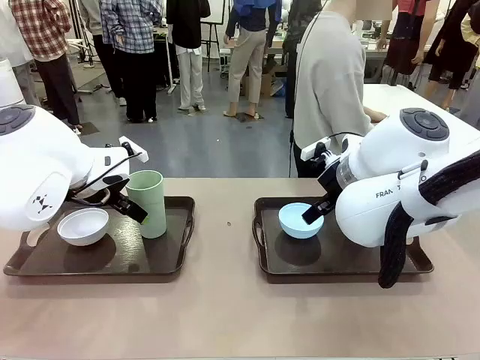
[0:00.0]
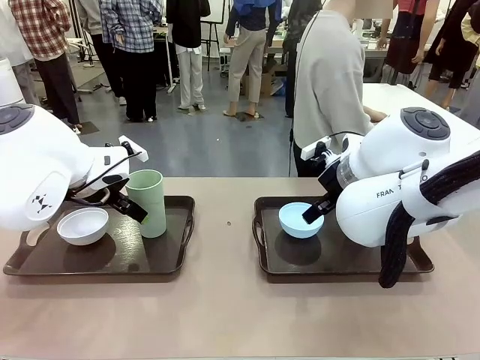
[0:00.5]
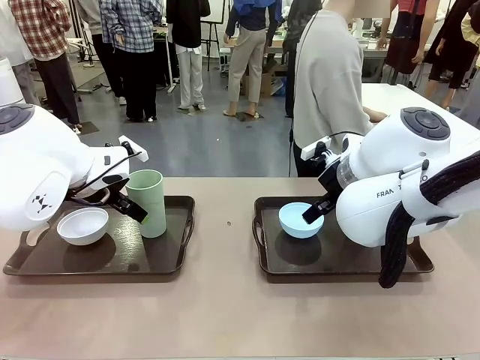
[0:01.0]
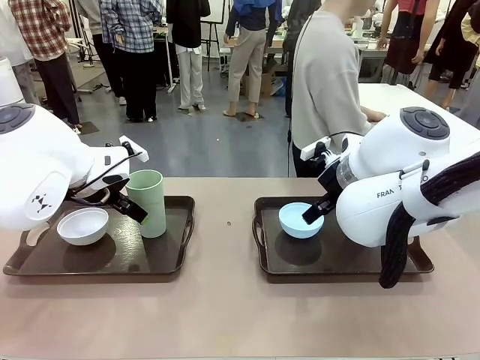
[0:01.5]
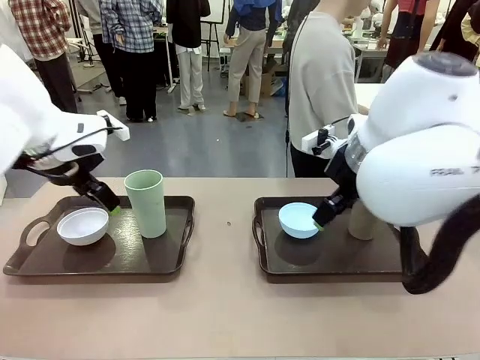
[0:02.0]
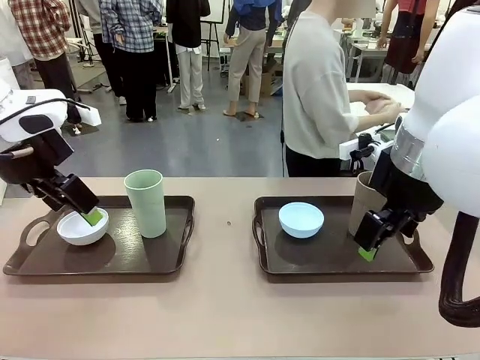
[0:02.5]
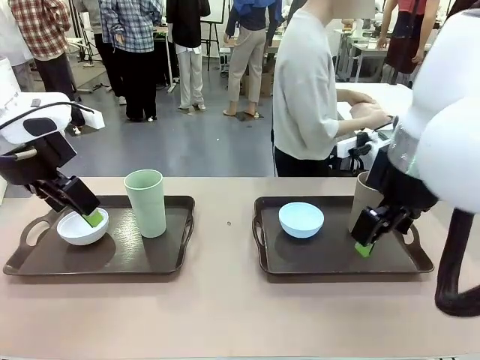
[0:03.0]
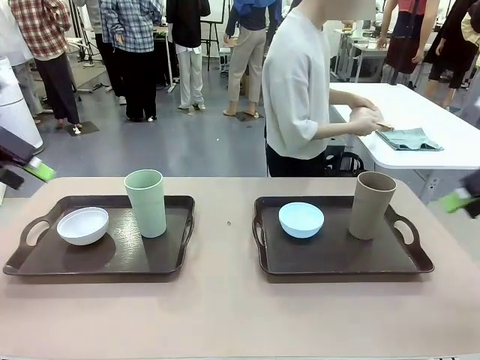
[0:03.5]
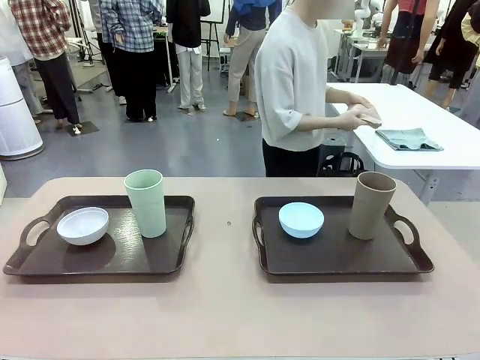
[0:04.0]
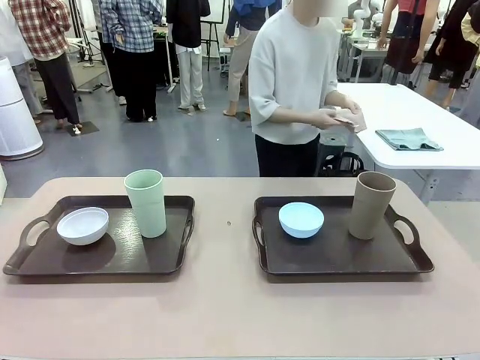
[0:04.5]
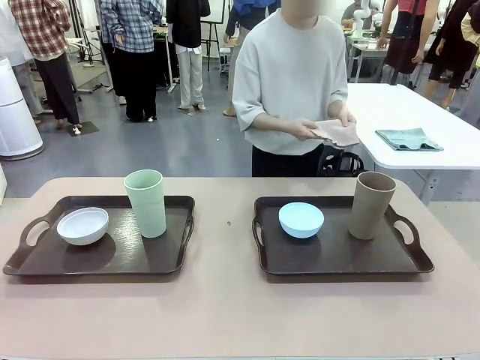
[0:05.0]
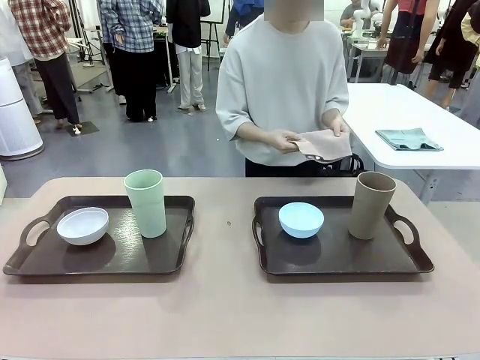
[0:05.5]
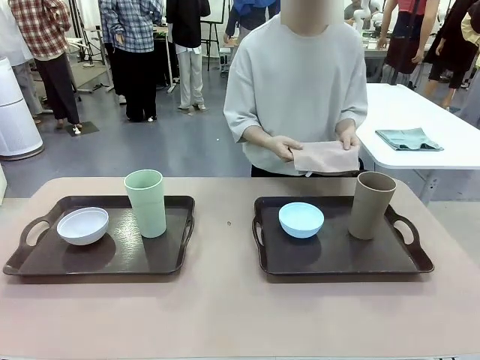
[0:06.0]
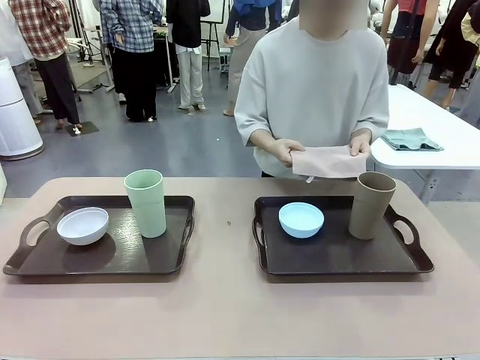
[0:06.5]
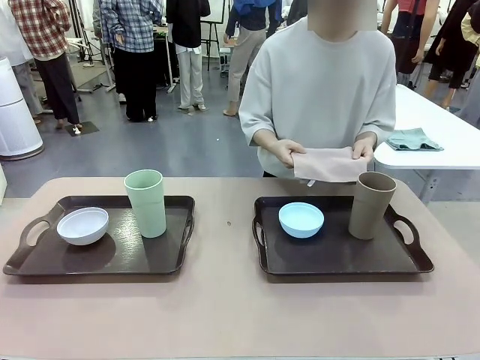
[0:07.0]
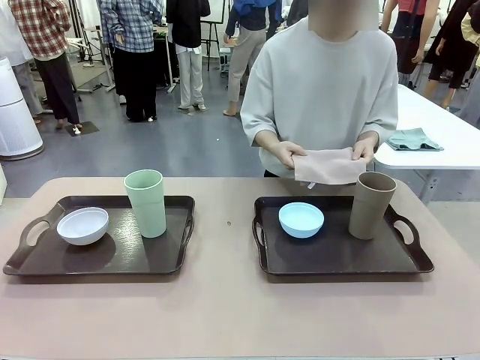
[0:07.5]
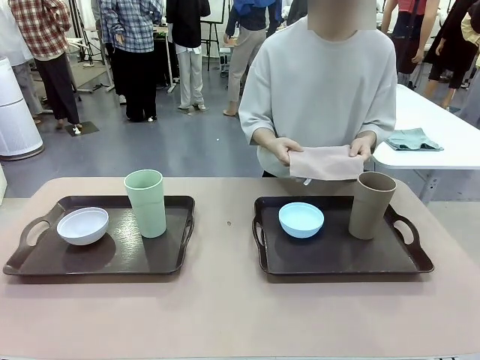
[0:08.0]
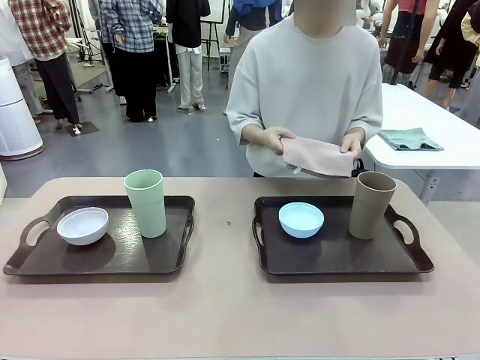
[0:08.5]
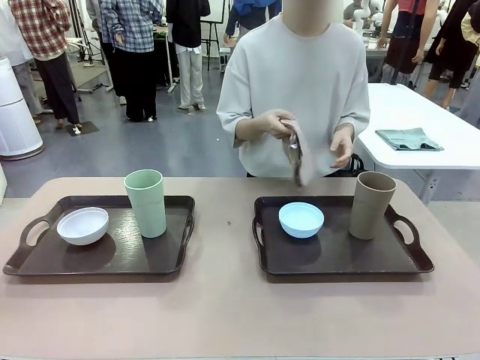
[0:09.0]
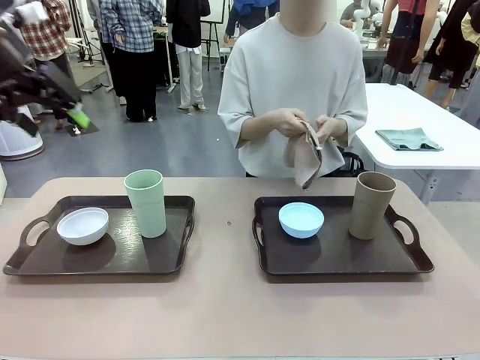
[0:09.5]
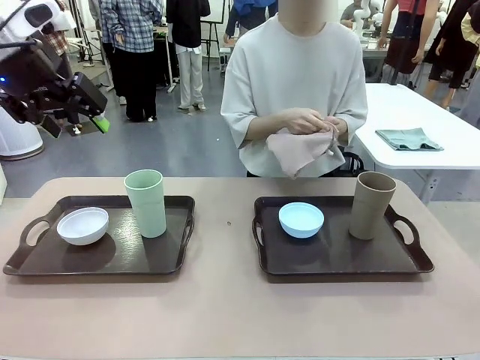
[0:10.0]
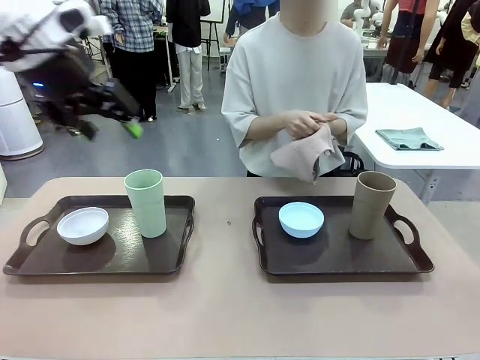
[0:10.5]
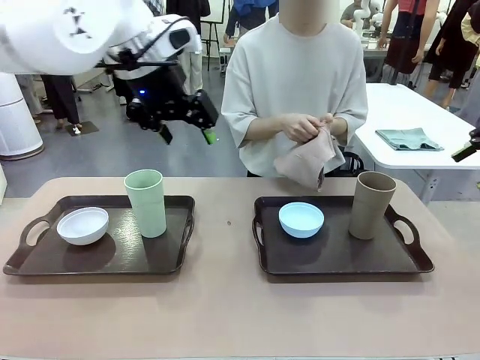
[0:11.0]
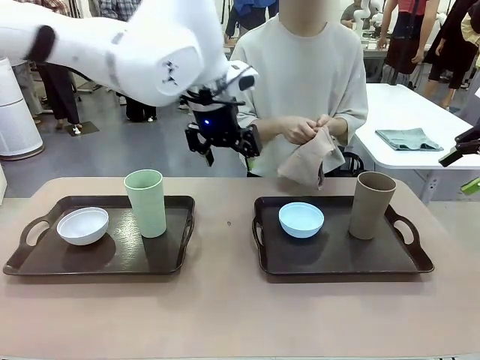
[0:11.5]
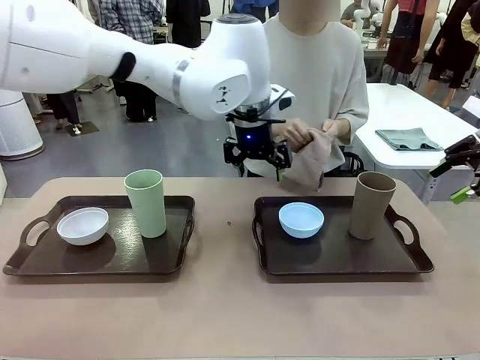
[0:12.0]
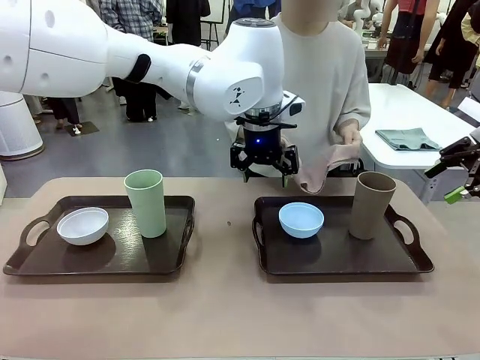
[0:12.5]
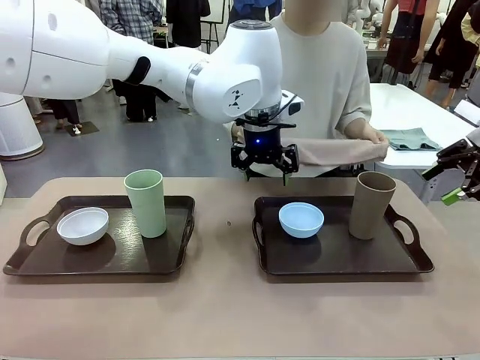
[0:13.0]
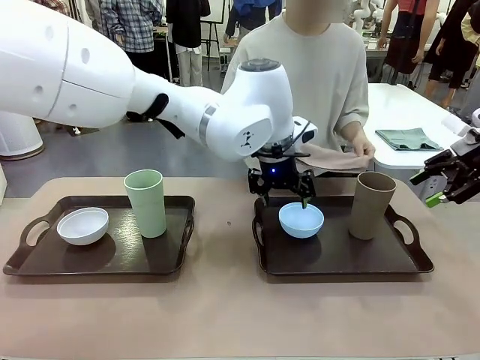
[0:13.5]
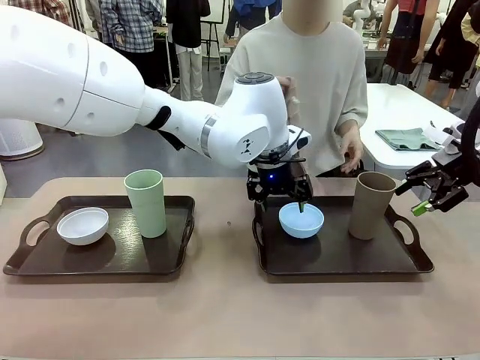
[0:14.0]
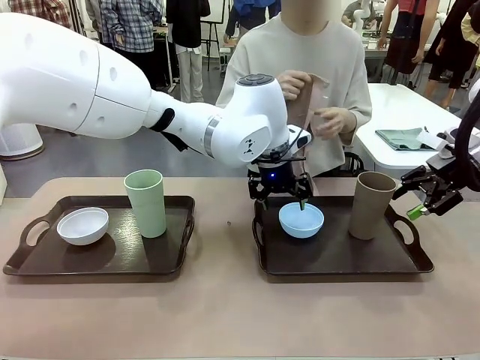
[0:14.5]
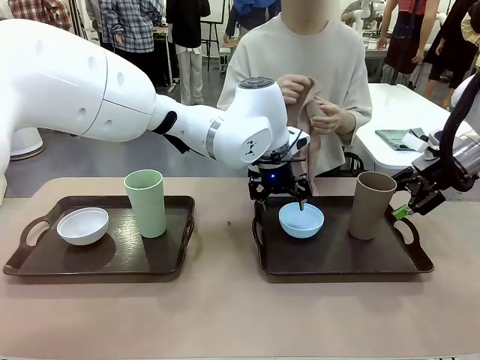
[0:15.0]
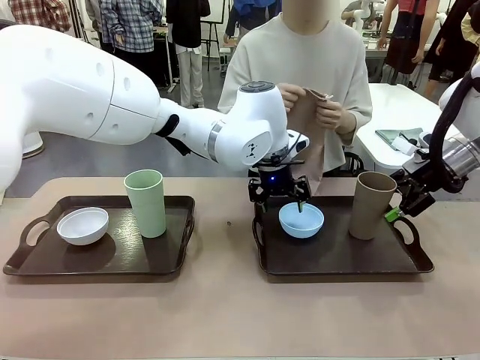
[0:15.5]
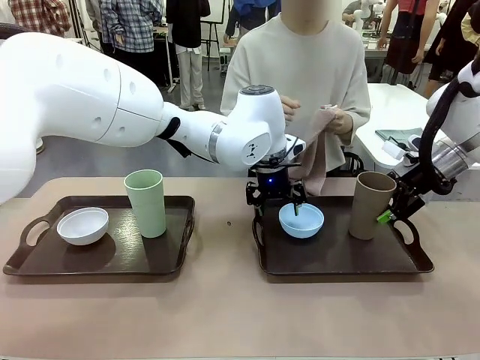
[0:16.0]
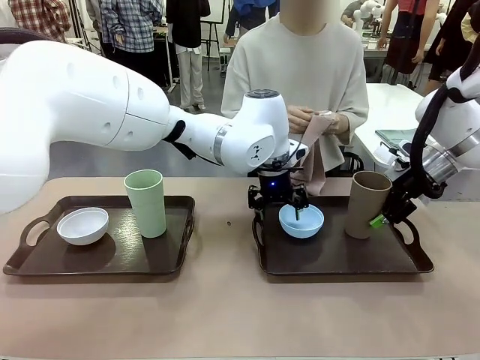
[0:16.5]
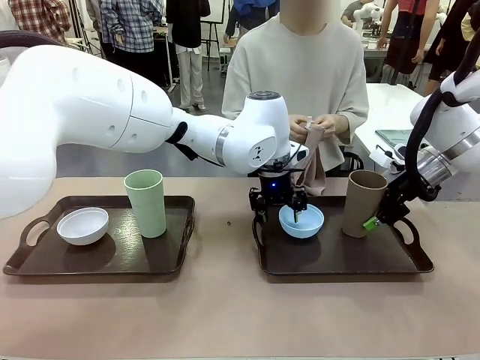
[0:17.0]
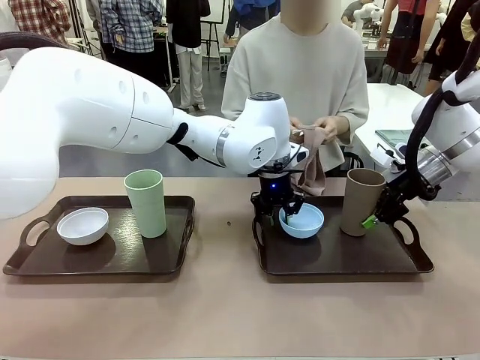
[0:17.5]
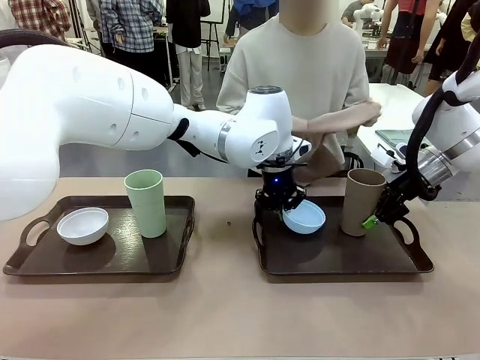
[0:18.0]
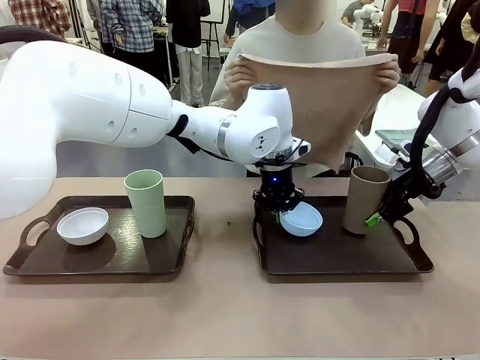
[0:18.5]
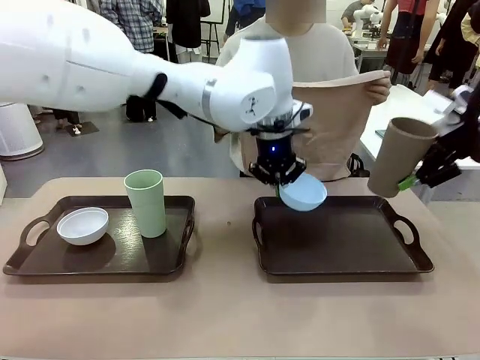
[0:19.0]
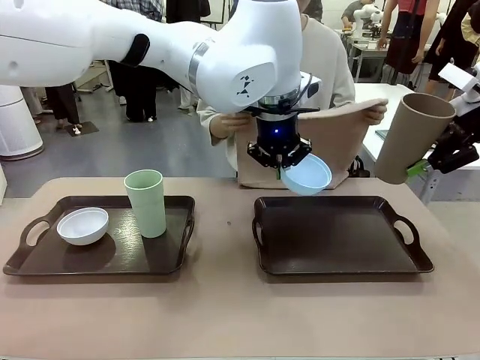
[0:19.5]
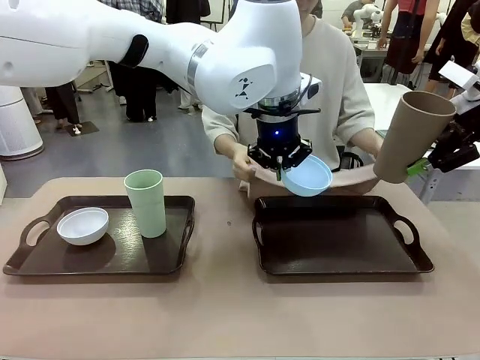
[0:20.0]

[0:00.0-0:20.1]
Robot: Pick up the Picnic Bowl and Reusable plastic cup from the Handle tray in front of the human's position and hold them in the air.
Person: The human picks up the top napkin from the stack on the human table and walks to the robot table to stand in front of one of the two trays. When the robot lifts the bowl and the cup, the human unfolds the napkin and lays the napkin flat on the tray.

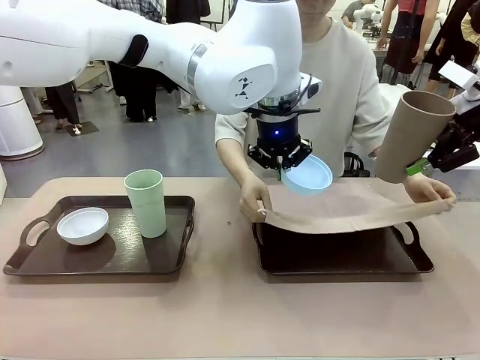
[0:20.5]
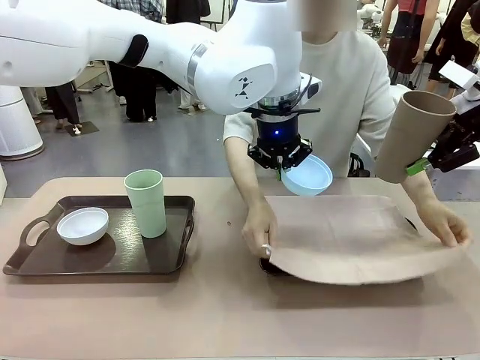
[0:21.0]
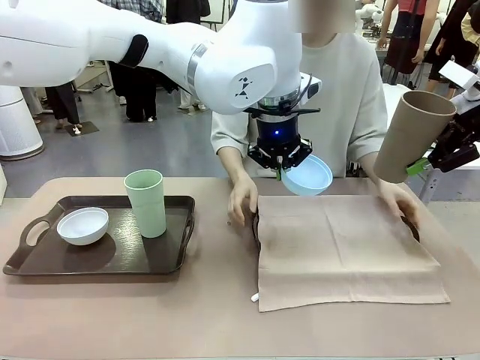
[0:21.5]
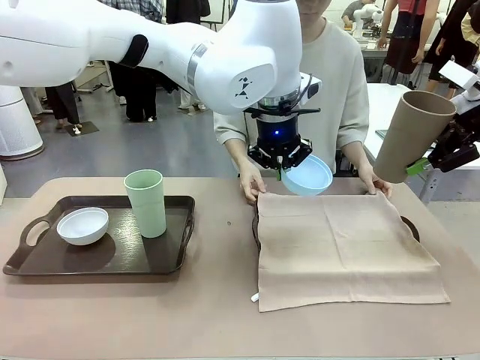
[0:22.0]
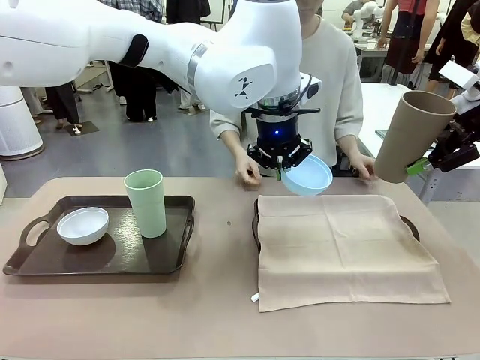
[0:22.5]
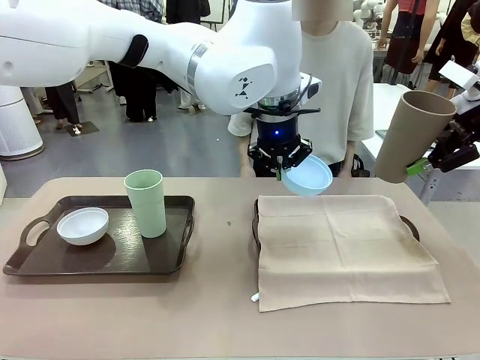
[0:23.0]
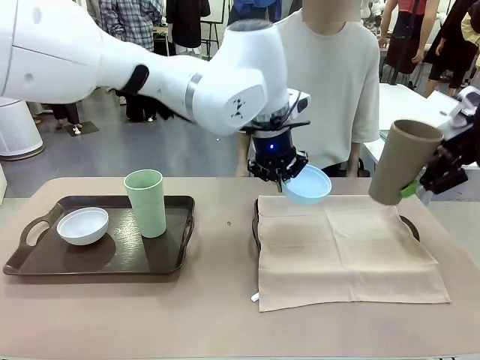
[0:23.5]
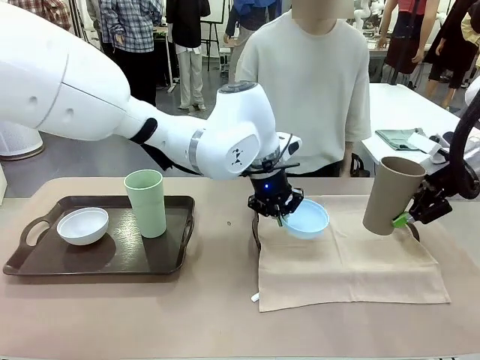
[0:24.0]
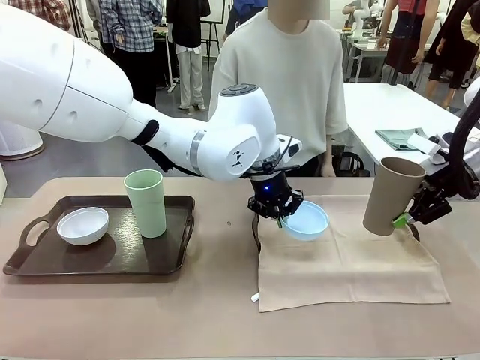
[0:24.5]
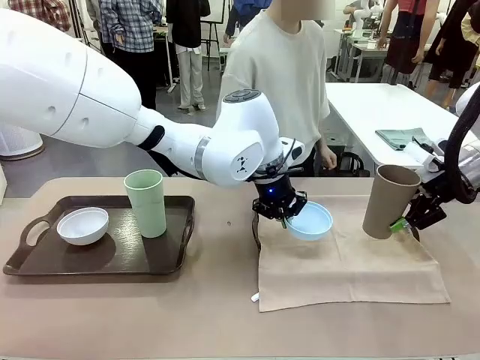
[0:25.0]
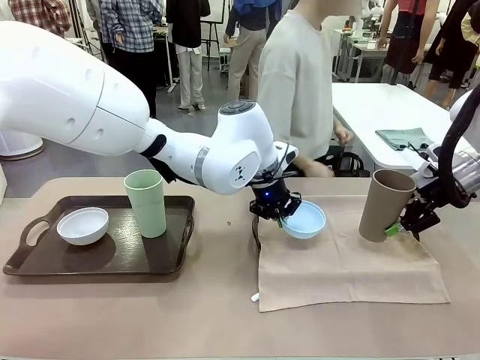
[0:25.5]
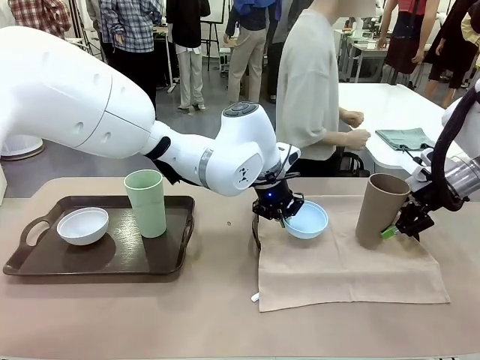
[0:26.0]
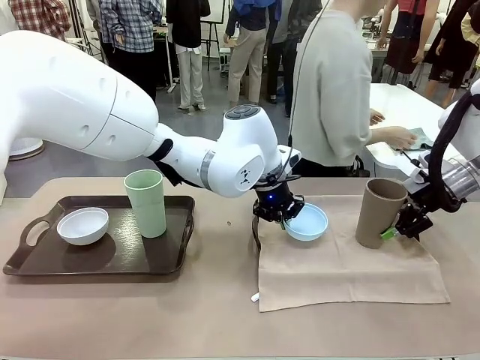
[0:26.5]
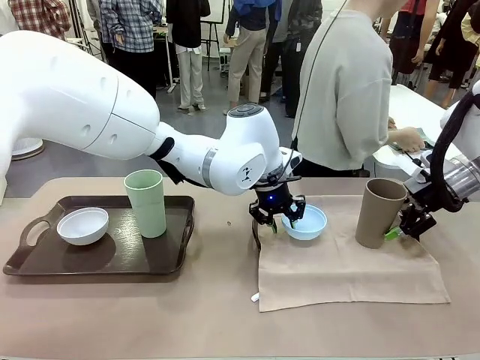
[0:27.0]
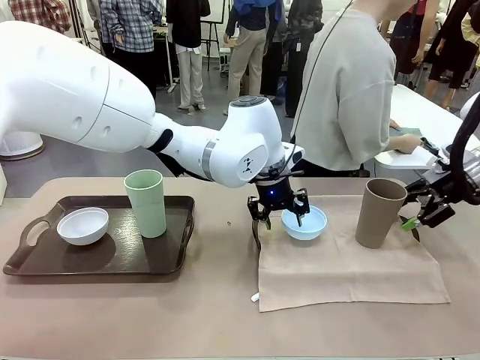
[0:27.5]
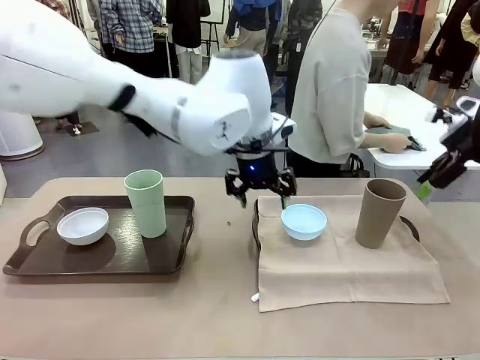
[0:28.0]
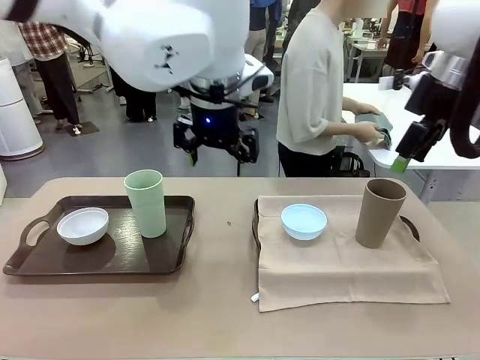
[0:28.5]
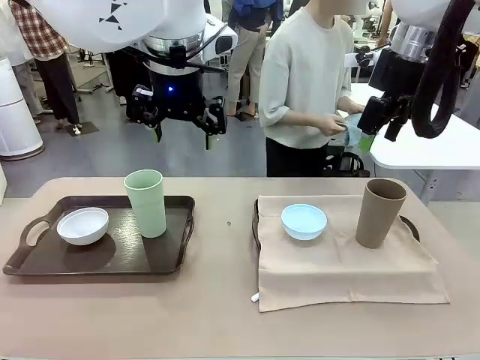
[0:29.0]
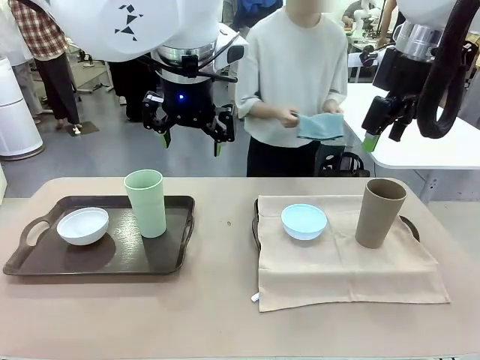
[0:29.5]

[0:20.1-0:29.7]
Robot: Place the Picnic Bowl and Reusable plastic cup back onto the Handle tray in front of the human's position.
Person: The human returns to the human table to pick up another napkin and walks to the robot table to stand in front of the tray without a napkin.
